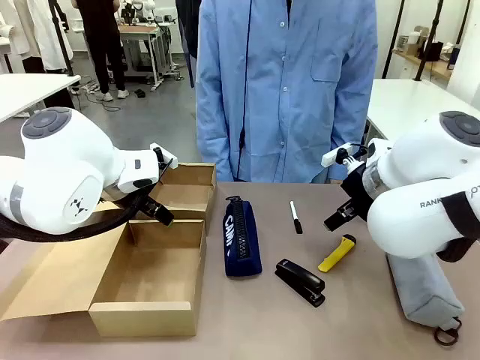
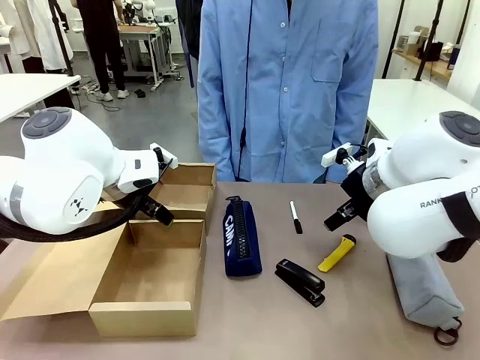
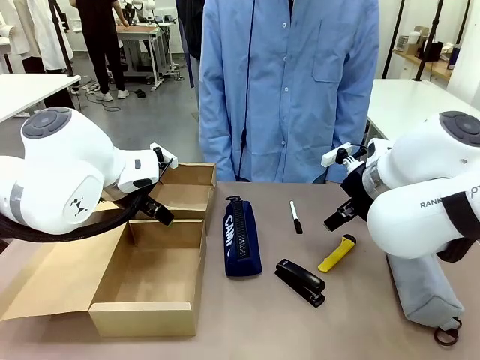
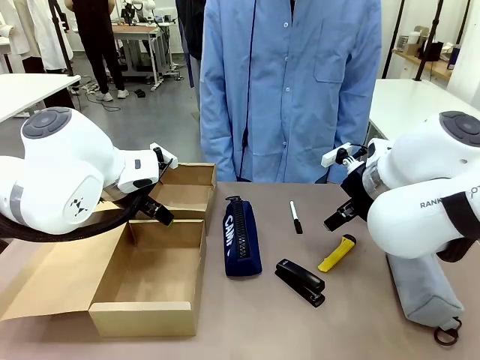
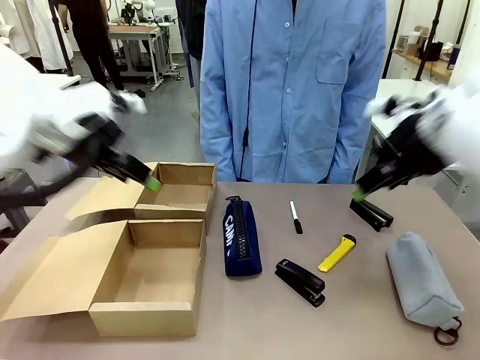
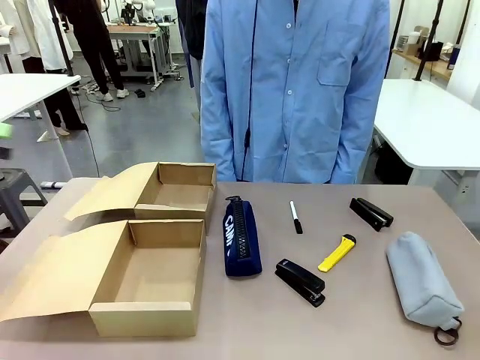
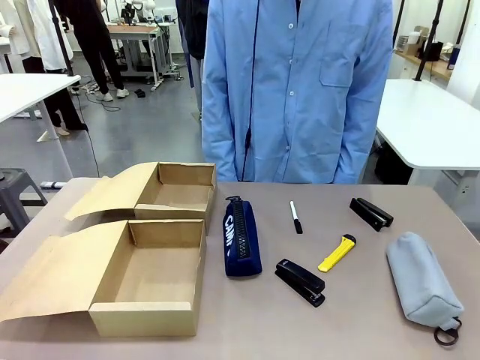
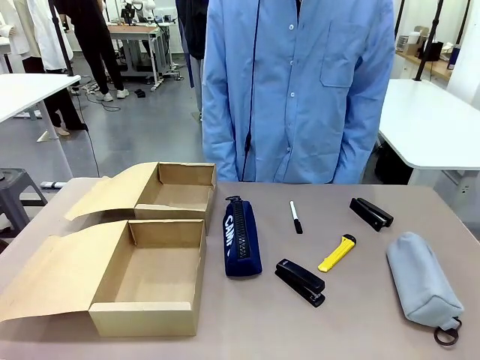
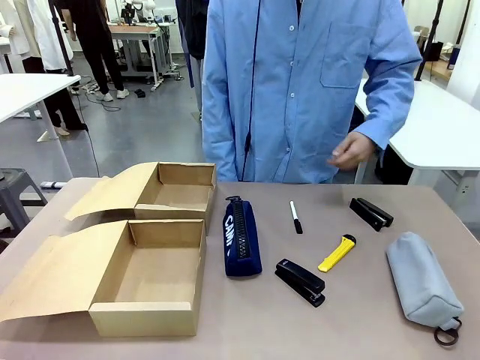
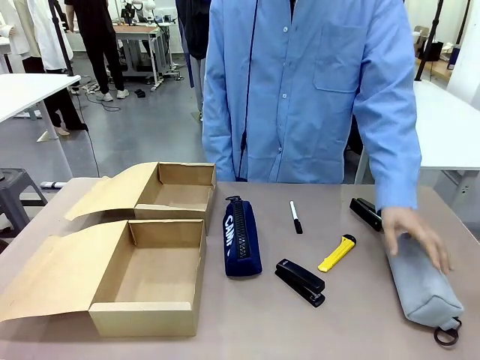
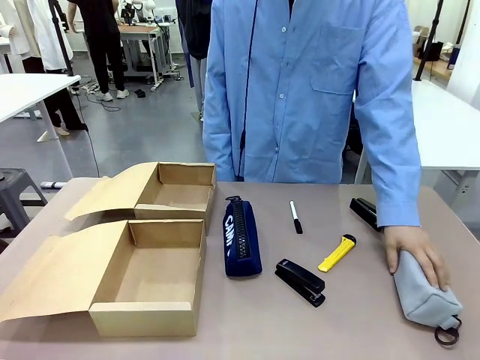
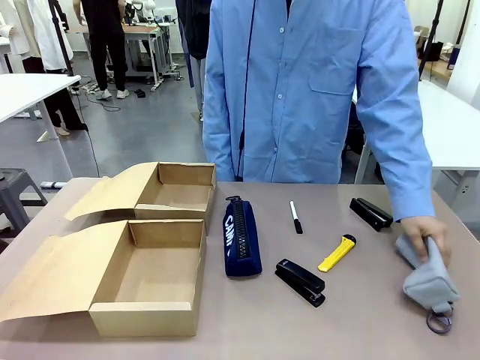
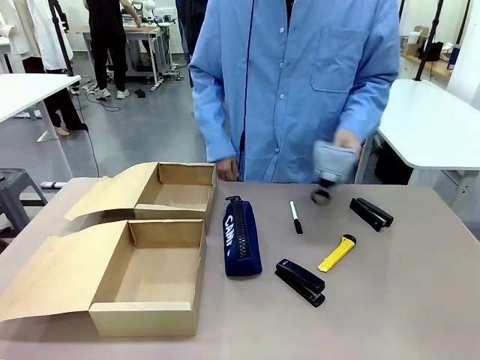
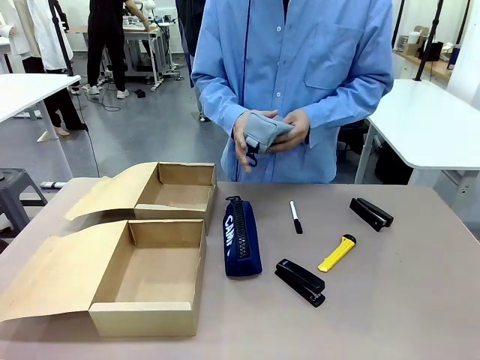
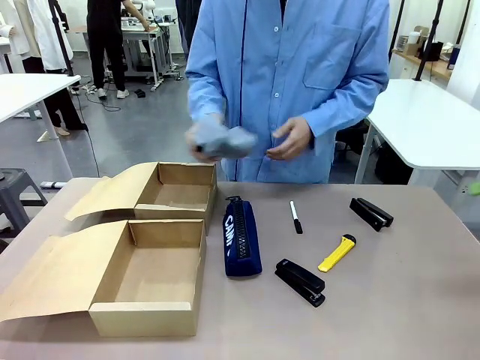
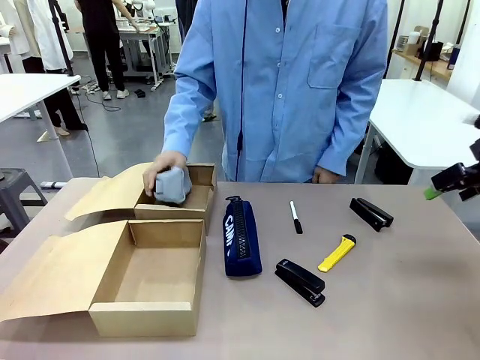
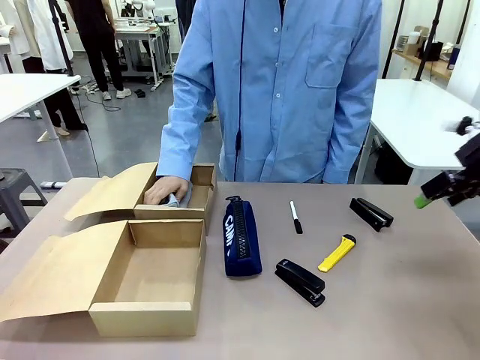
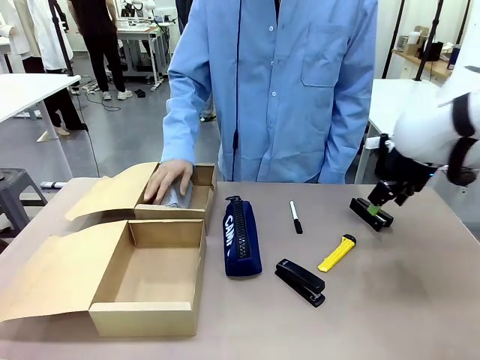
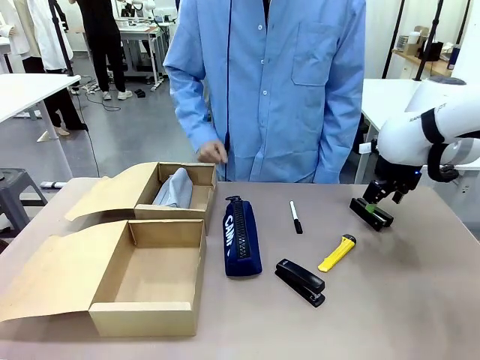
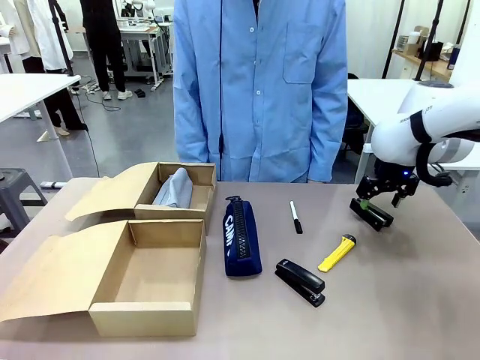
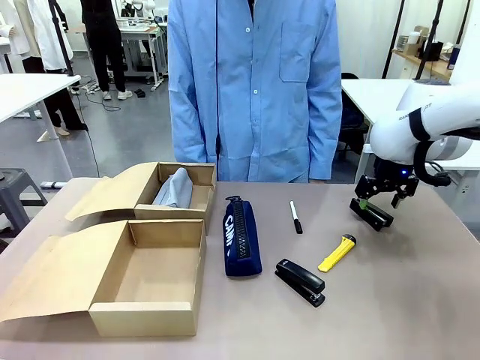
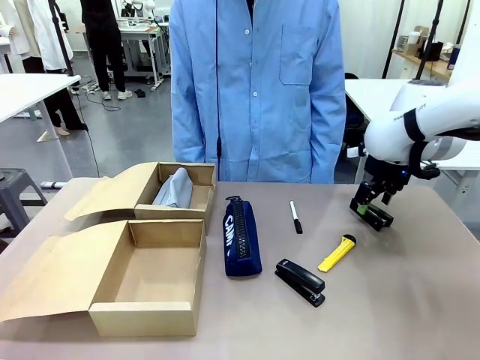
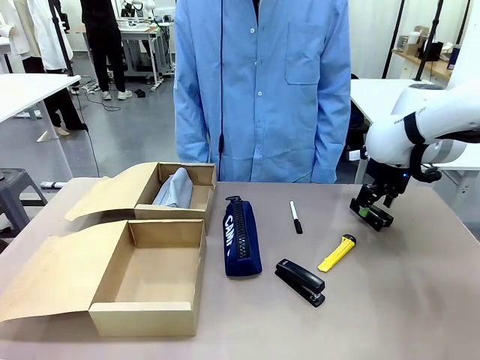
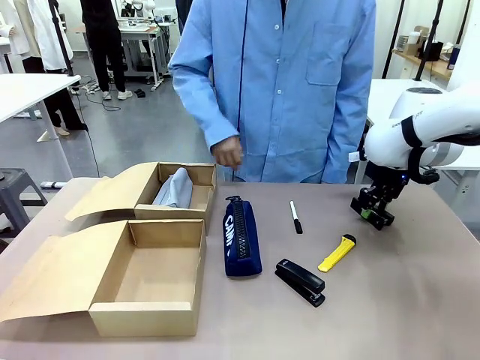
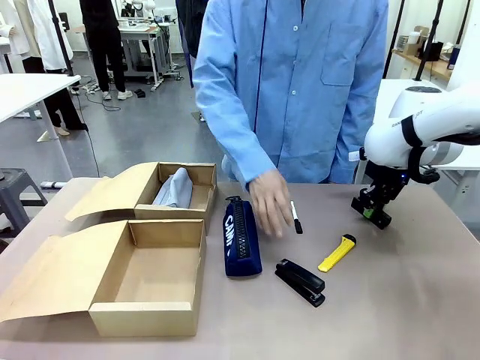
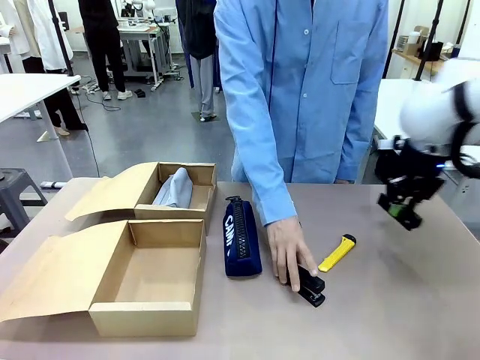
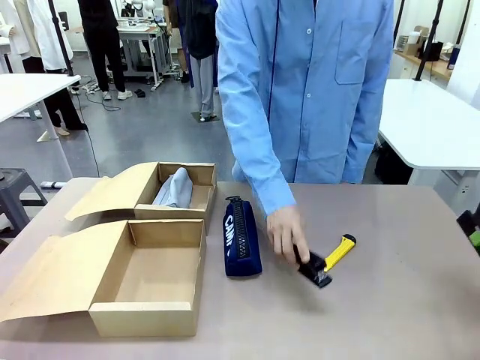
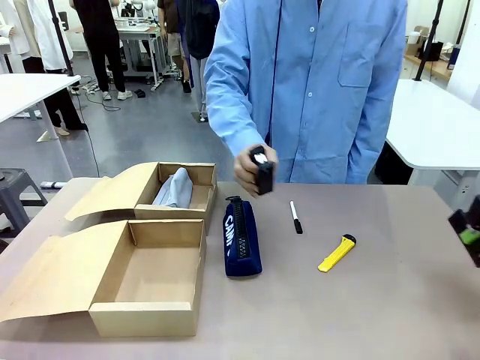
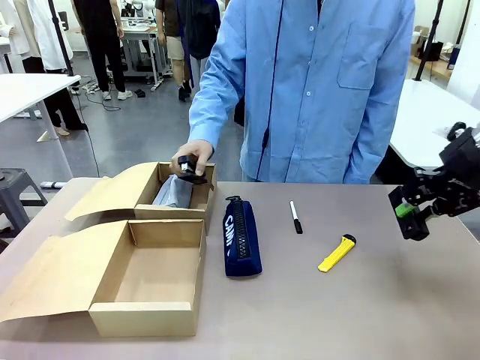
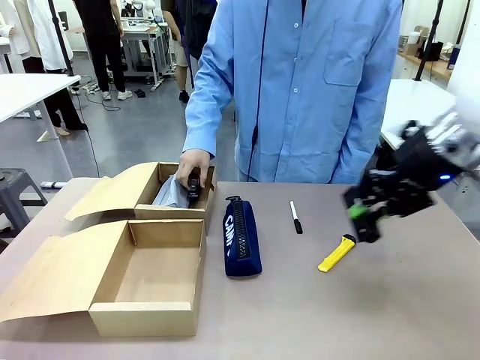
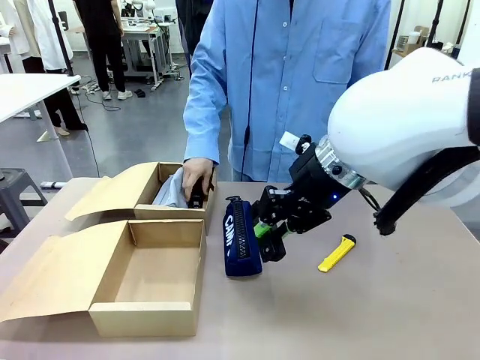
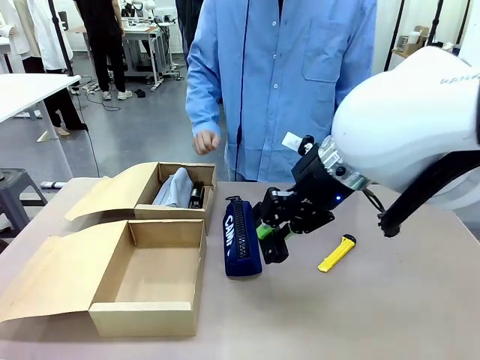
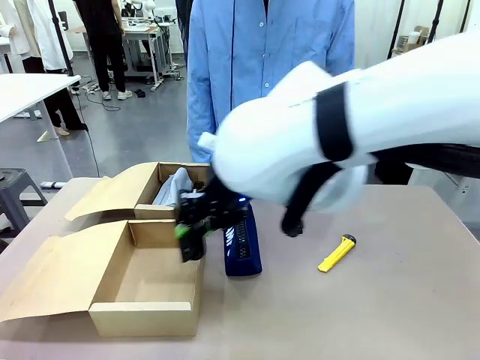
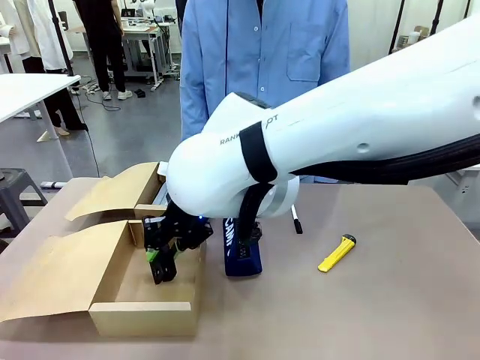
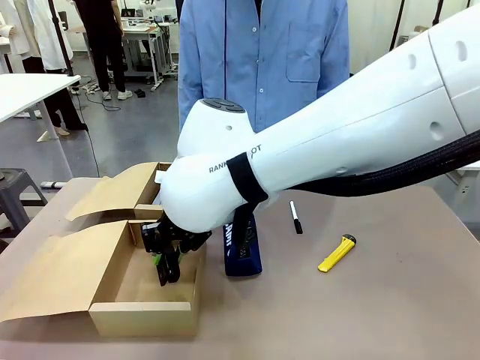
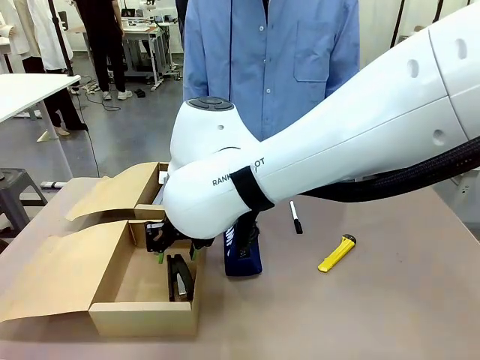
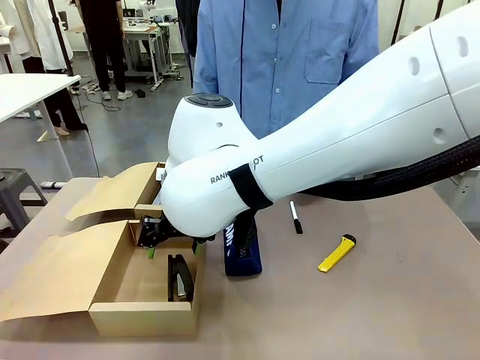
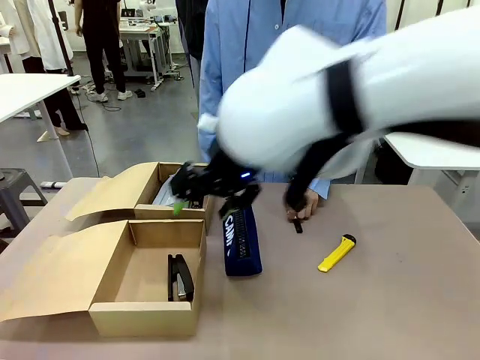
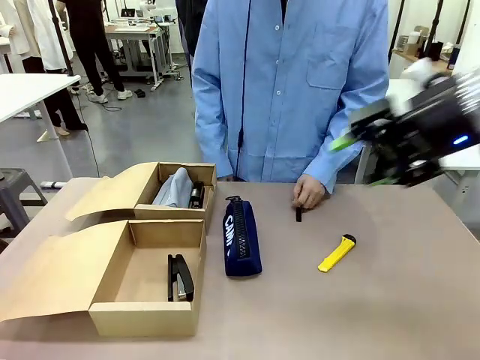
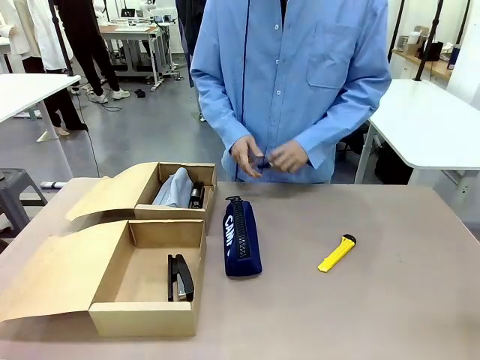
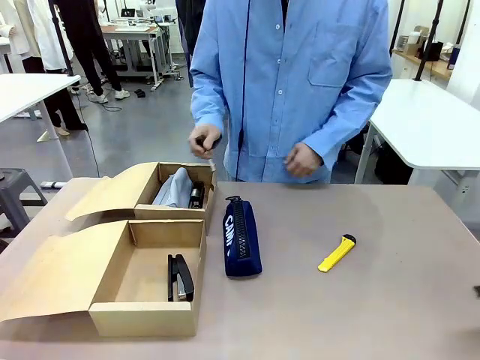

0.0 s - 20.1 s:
Task: Place items inside the box.
Robot: Pick up a Pencil pouch or Stapler and place it inside the Mailer Box closest to the robot.
Person: Pick up an object on the table and put it in the box.
